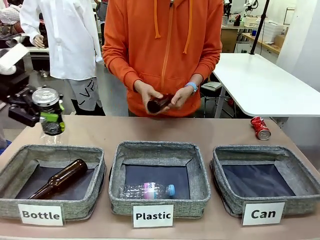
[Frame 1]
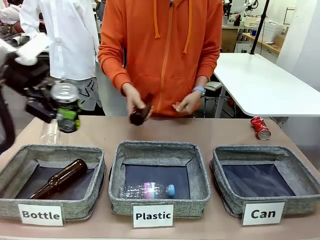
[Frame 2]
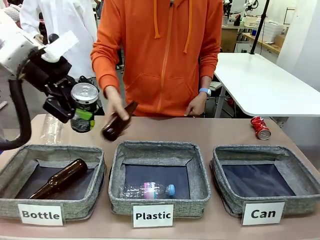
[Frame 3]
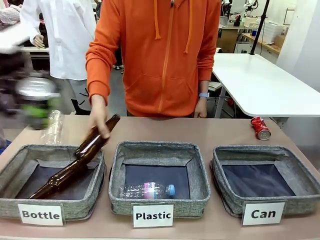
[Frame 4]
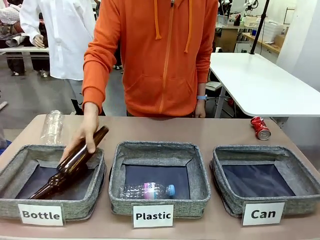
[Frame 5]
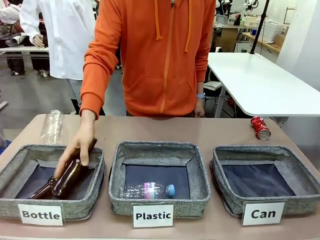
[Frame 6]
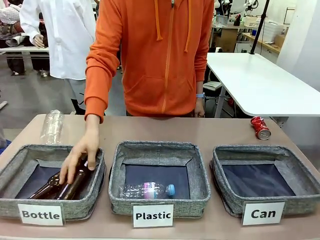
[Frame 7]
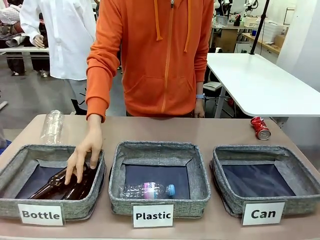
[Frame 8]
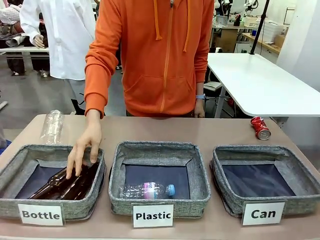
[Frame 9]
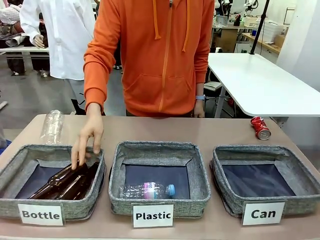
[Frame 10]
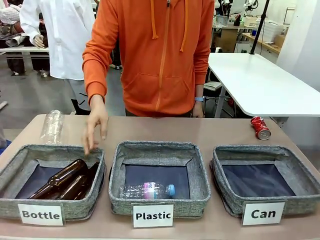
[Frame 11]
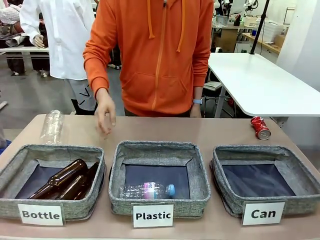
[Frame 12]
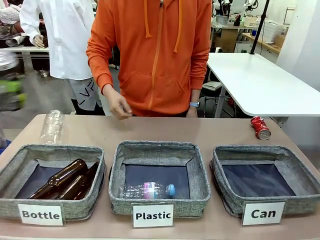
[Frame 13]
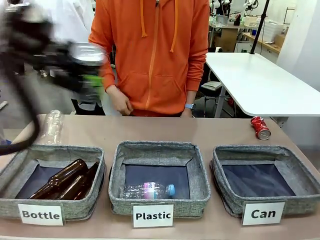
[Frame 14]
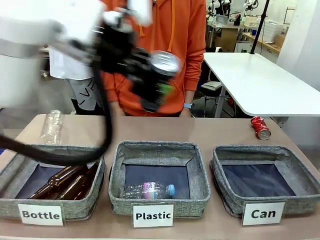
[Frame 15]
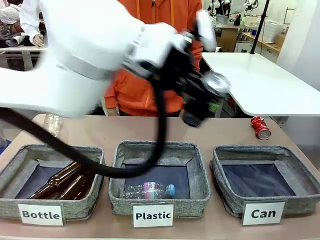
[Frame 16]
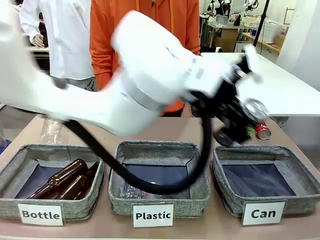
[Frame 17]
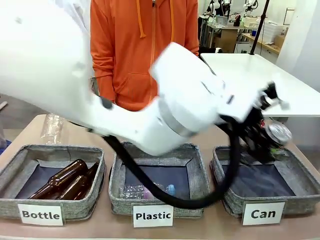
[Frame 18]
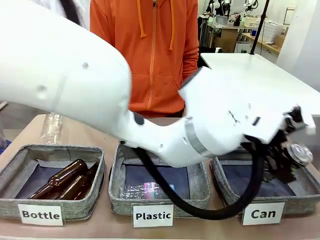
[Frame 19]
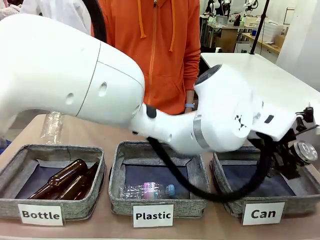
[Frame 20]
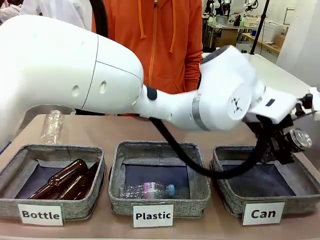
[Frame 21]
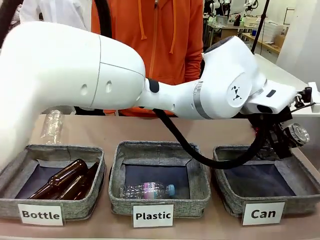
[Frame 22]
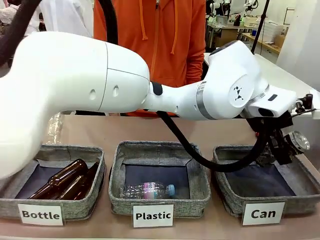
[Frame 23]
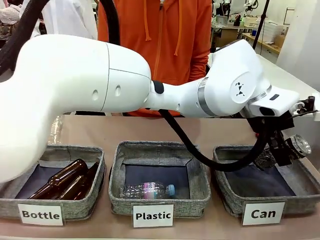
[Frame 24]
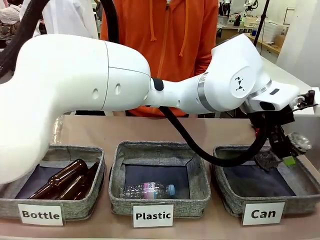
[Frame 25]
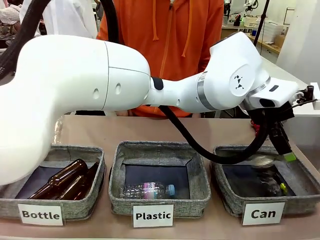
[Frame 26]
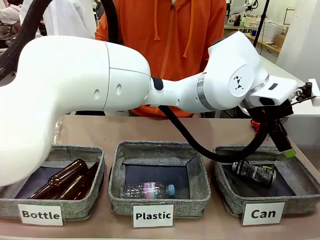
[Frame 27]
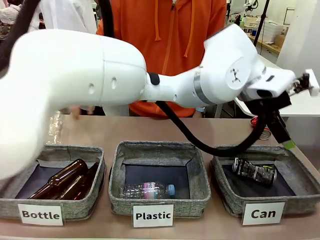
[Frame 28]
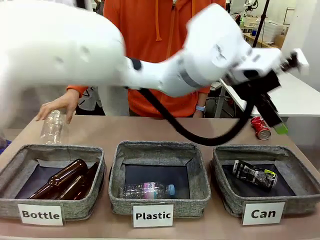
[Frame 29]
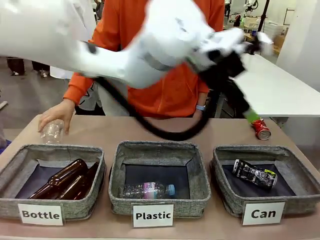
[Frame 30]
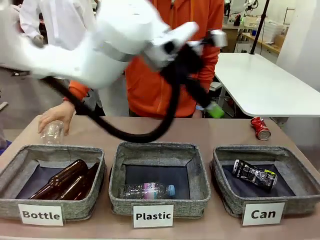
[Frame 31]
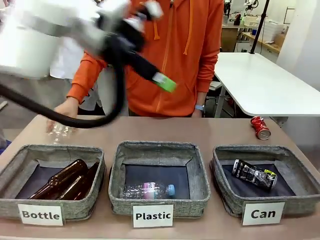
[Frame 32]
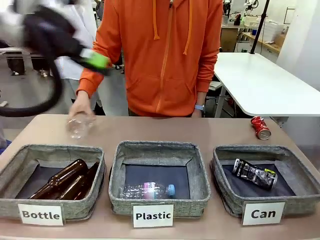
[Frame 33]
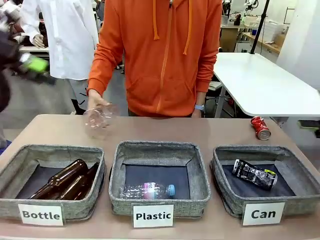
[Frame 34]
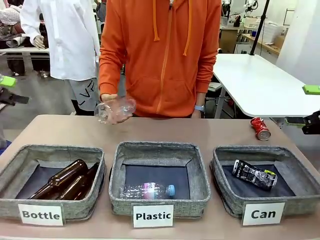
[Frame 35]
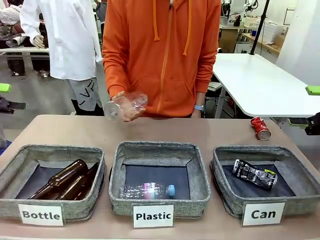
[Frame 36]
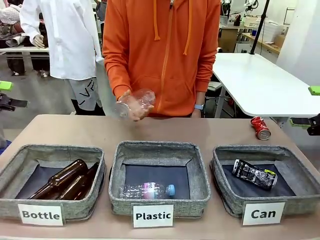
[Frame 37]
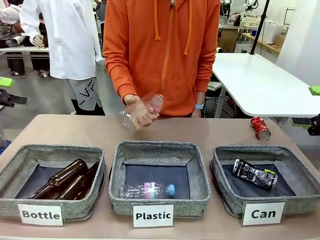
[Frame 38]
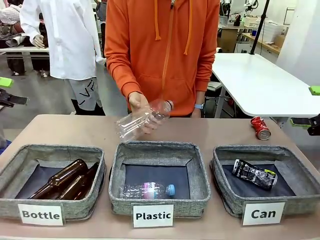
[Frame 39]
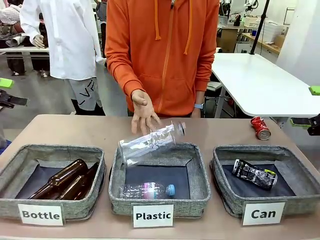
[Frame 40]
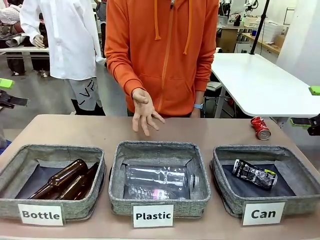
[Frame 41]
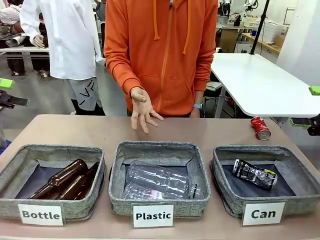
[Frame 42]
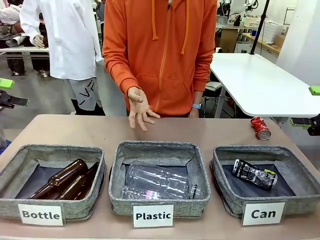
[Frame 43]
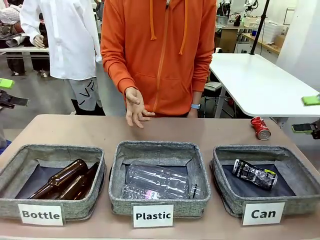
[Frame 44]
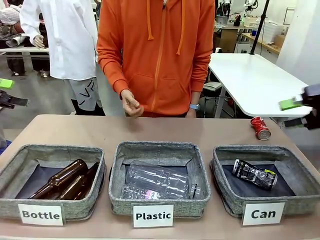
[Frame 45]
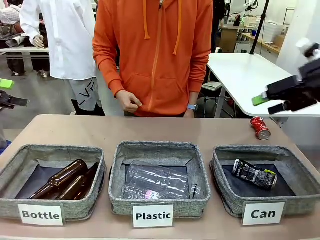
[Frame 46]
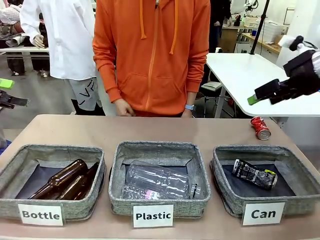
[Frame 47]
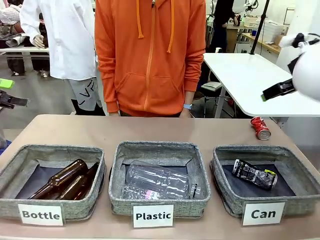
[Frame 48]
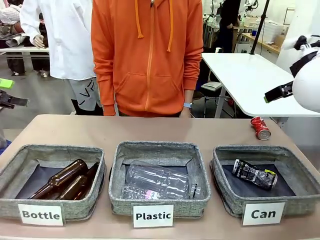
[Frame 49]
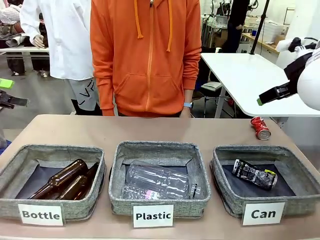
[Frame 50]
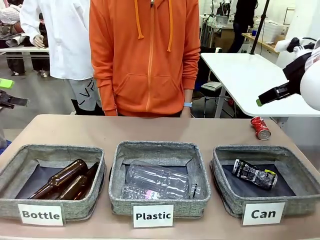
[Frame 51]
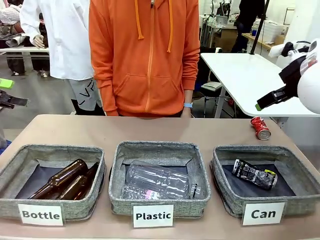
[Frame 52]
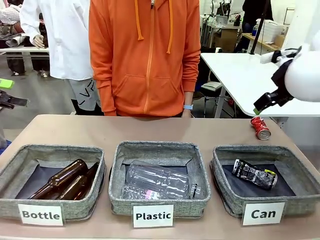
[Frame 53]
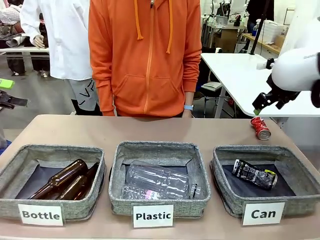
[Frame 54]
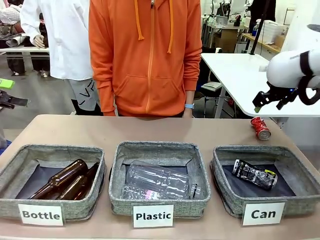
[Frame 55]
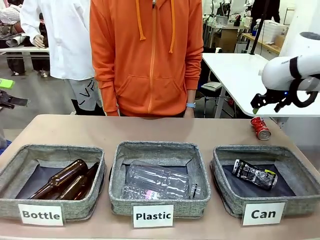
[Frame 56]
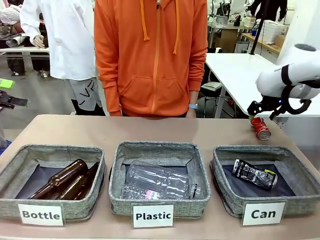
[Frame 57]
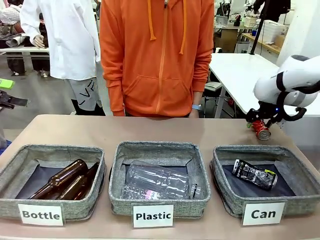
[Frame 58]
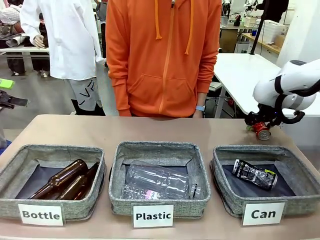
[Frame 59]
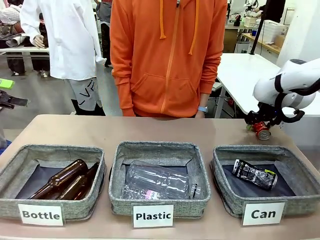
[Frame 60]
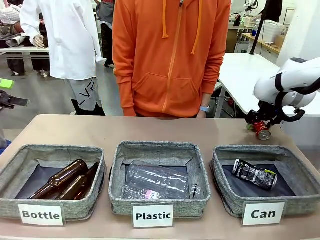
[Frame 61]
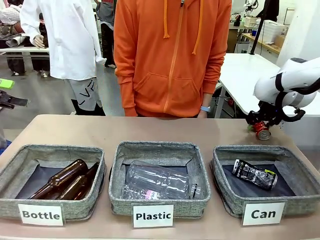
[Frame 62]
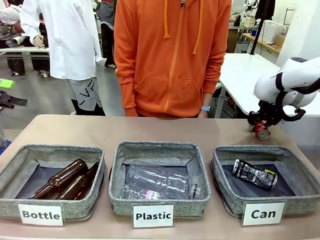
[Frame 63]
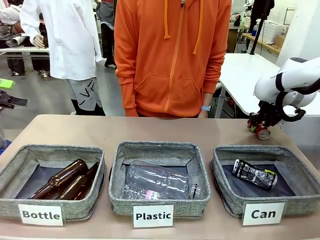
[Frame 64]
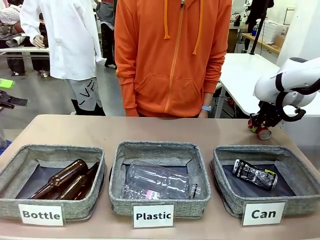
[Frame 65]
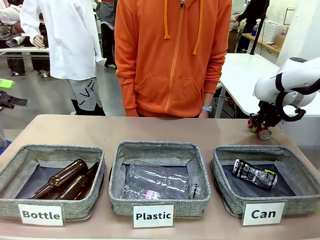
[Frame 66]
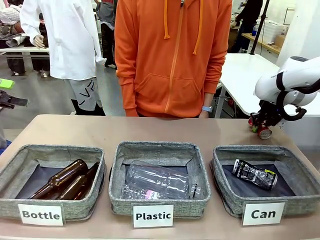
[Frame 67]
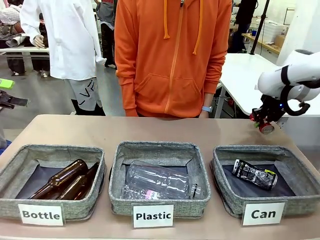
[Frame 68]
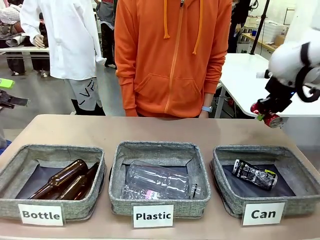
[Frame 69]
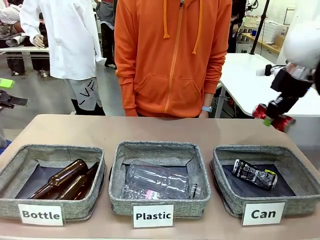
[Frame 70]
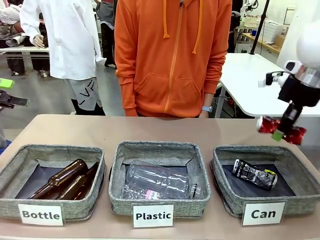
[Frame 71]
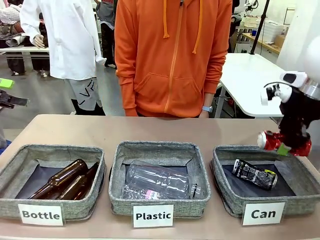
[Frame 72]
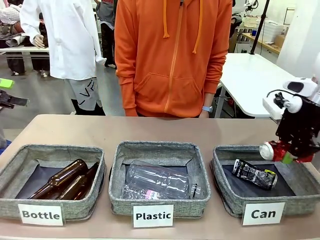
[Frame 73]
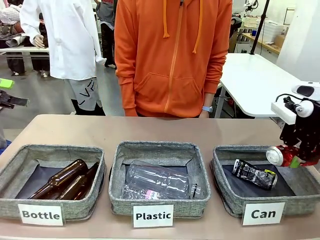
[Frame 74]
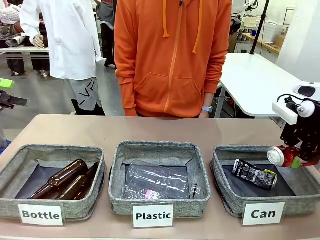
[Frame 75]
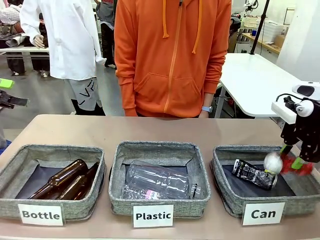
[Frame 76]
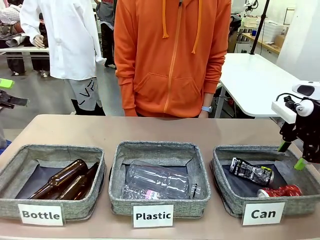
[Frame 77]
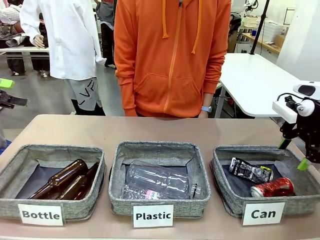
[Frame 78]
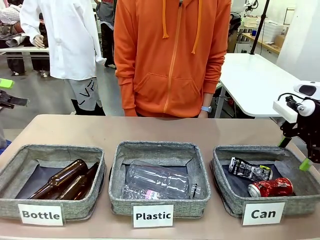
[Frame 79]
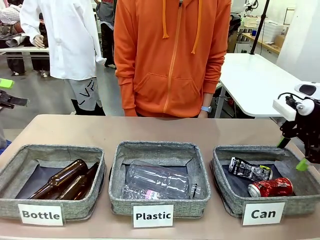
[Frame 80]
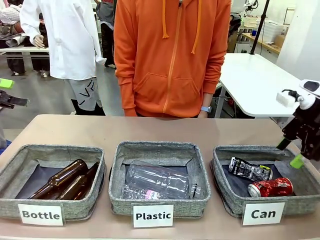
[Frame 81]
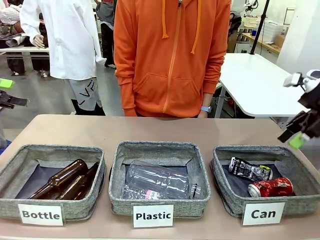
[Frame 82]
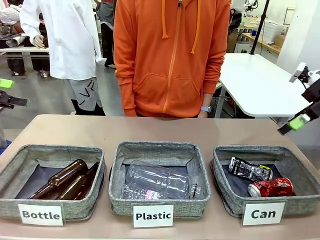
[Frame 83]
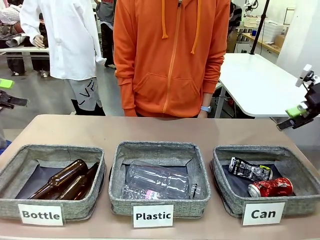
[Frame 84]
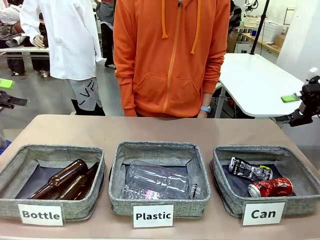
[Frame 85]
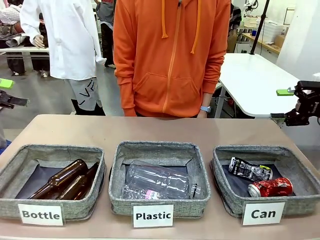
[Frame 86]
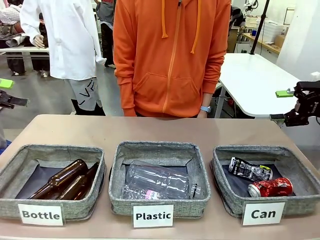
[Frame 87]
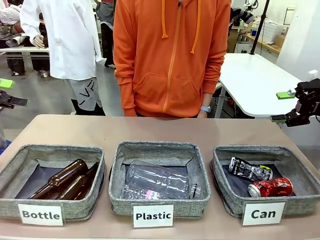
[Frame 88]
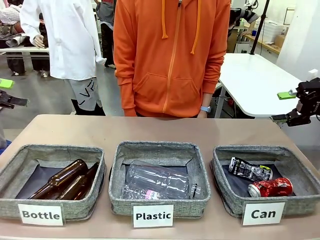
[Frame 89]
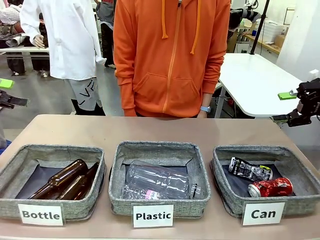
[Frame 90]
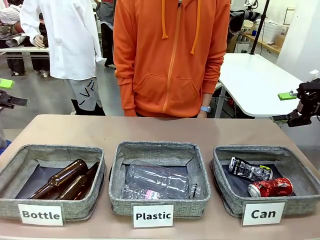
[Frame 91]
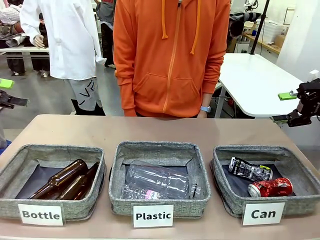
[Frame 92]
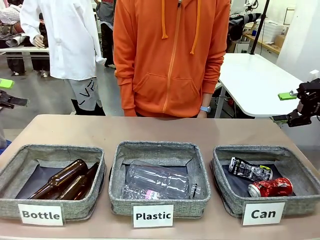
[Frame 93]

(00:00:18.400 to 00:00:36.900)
Task: Sort the can waste into the basket.
Robot: Pick up the can waste from the table and place it in the right Fabric basket.
Person: The human picks up one piece of trash that is not a can and places the trash into the appropriate organizing basket.
